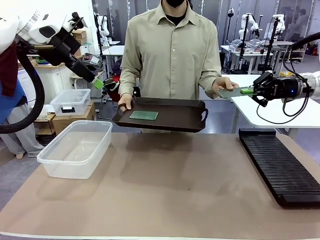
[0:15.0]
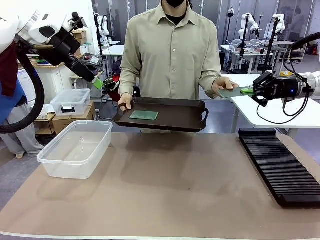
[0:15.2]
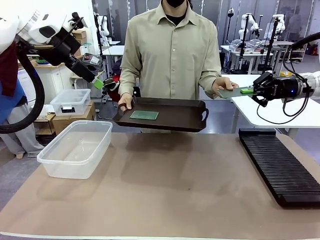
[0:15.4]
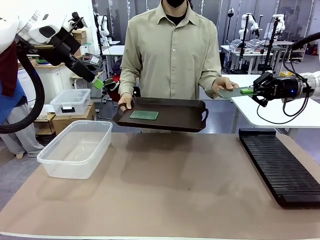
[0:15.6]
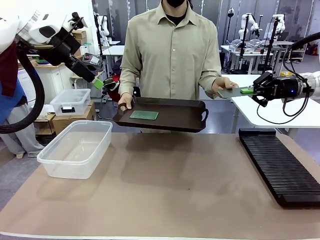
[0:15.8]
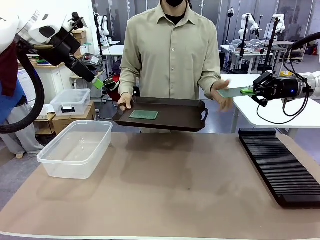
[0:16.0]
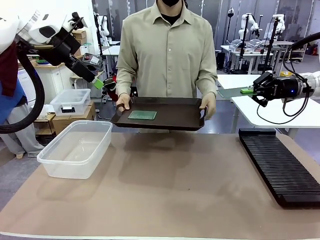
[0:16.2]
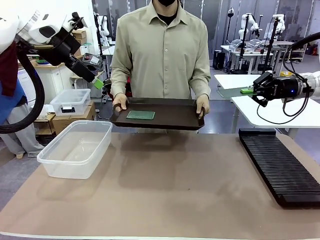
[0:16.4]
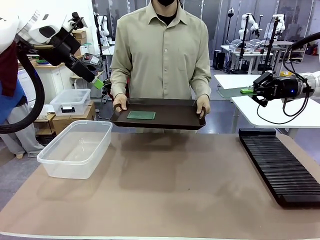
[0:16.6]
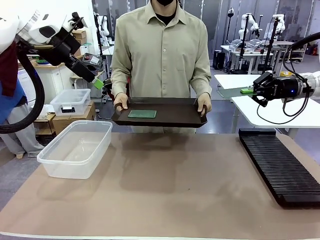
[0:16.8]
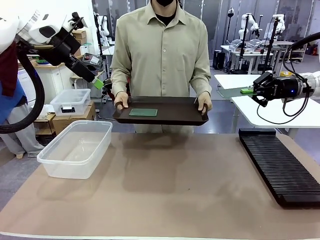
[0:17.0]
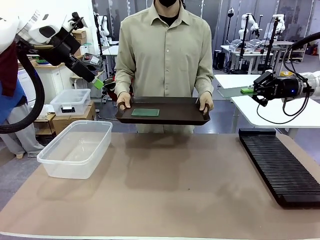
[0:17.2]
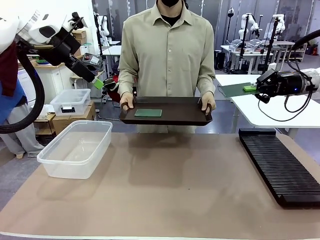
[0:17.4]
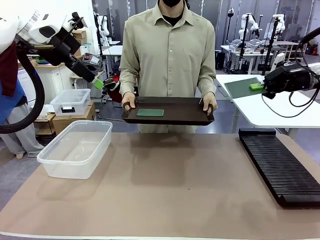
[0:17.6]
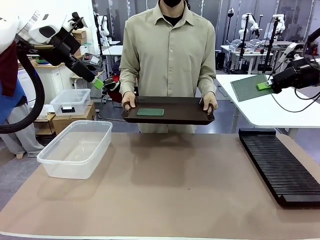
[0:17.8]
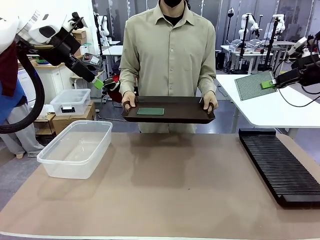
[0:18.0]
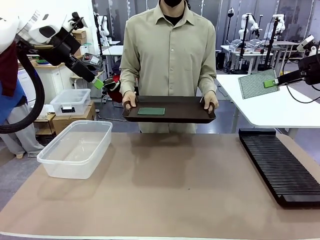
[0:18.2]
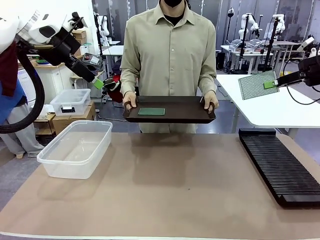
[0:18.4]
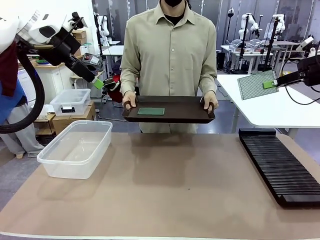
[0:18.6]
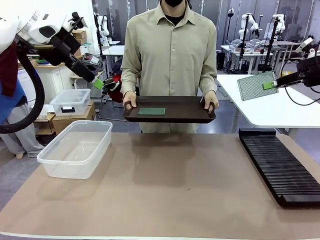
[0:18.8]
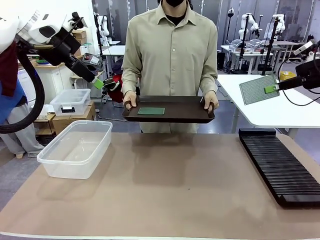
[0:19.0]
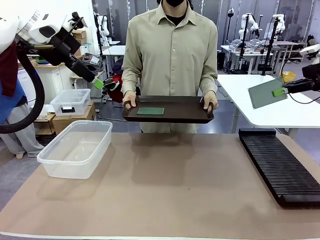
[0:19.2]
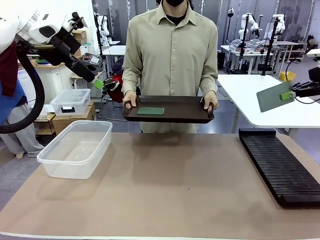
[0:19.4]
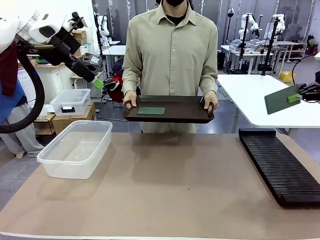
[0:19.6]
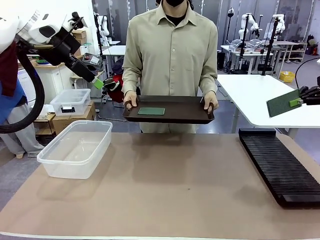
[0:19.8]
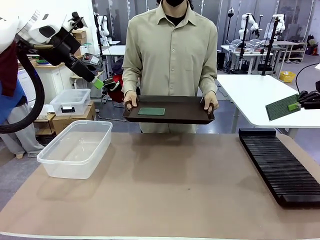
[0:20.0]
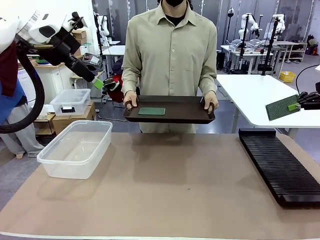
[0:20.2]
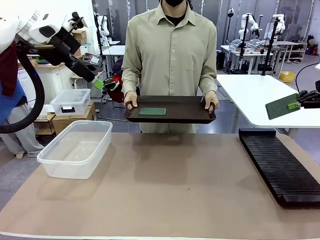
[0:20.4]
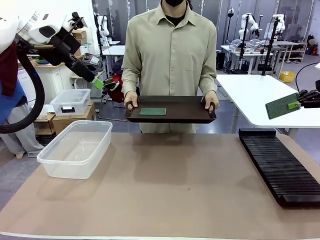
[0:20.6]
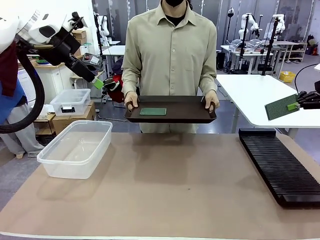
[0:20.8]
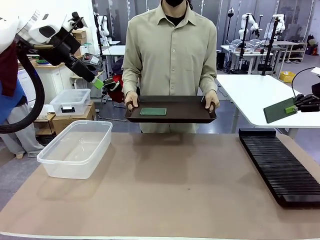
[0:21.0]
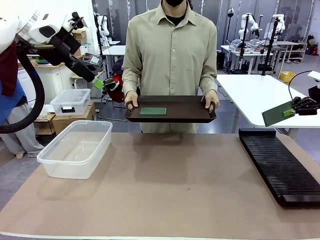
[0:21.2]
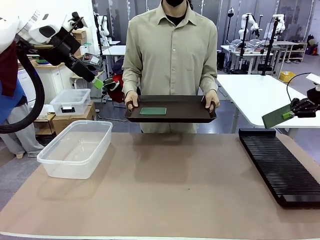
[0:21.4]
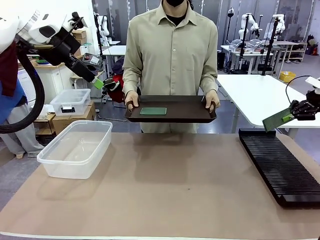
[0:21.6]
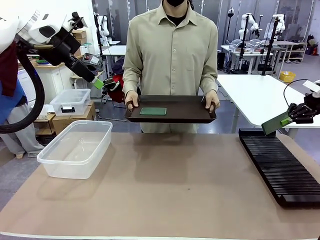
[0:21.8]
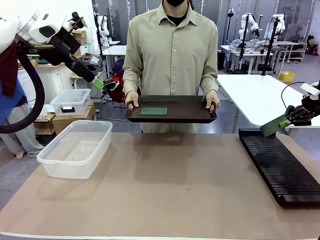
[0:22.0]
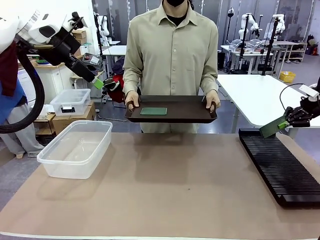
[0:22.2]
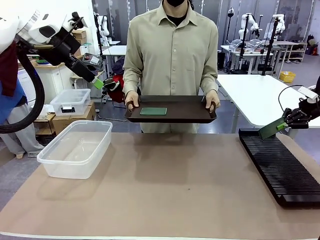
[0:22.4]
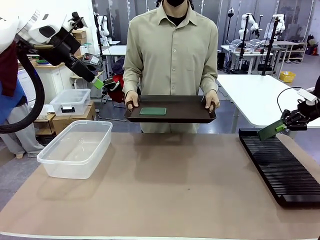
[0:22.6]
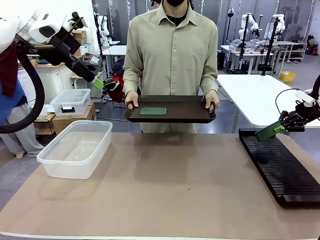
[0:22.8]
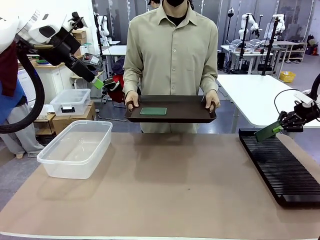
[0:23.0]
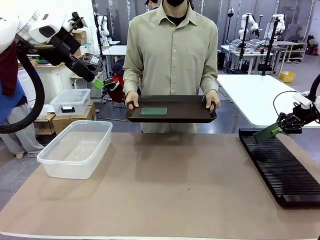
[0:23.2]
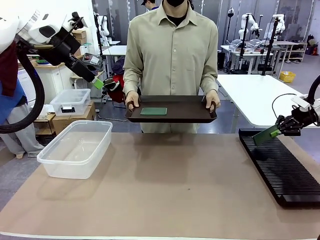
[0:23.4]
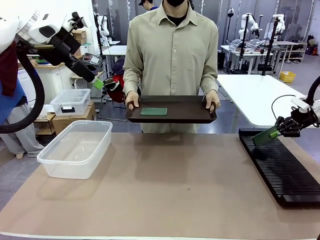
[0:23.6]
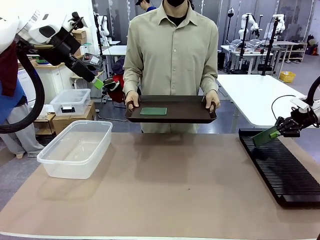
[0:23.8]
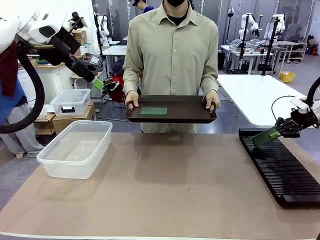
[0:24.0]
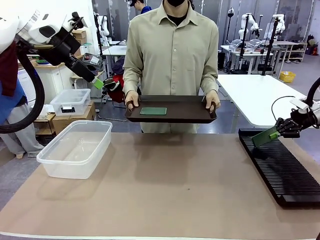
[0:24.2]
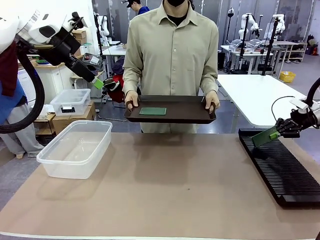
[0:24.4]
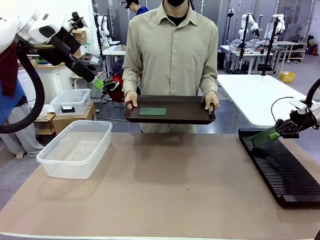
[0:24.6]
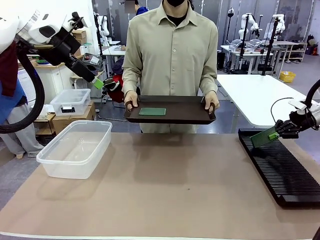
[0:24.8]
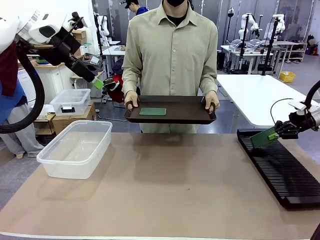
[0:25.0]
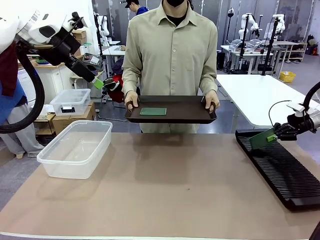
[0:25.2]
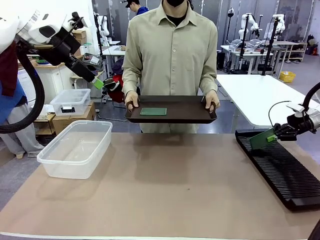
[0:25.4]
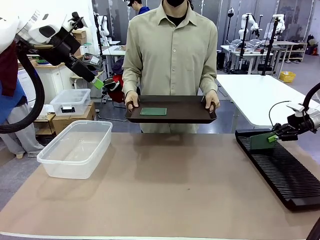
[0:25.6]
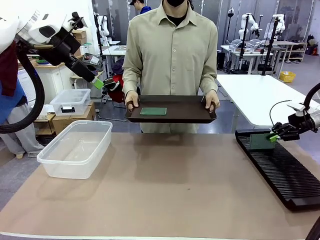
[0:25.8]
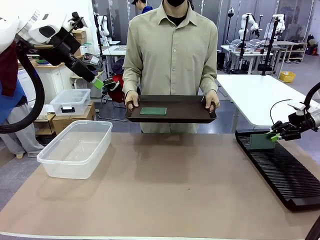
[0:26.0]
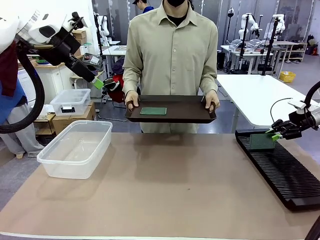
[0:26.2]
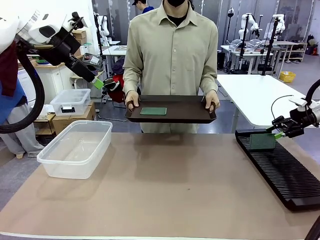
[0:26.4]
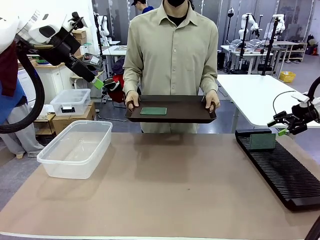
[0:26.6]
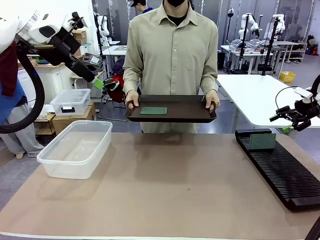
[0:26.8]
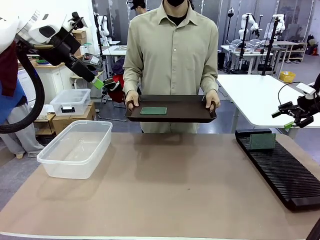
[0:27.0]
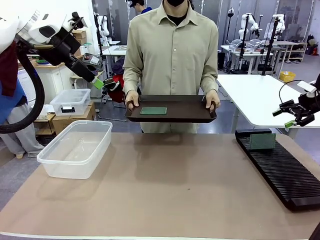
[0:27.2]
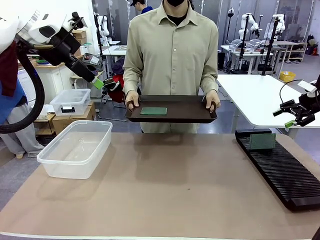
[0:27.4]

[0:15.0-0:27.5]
Task: Sort PCBs into racks and boxes based on the side picked up.
Robot: If the short side of the Blank PCB is picked up, insert it into the PCB Rack ; if the long side is picked up, place it in the Organizing box.
Person: Pick one PCB from the tray and present it to the robot.

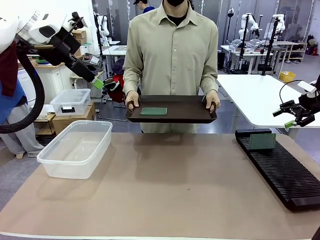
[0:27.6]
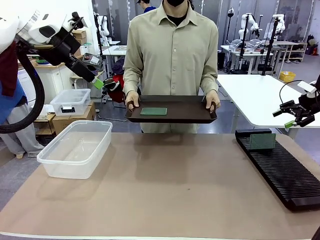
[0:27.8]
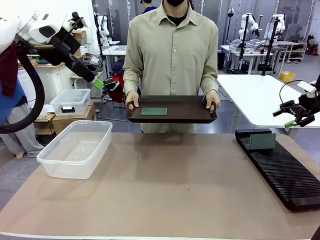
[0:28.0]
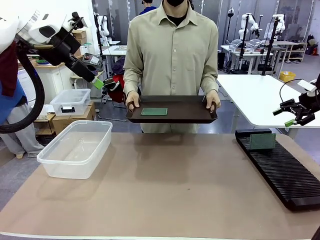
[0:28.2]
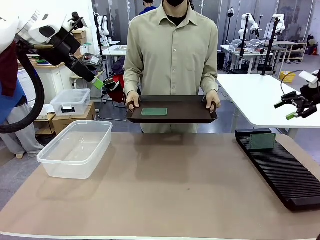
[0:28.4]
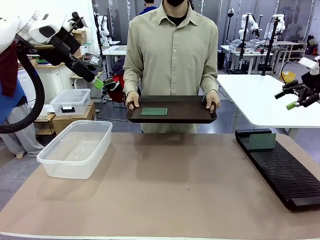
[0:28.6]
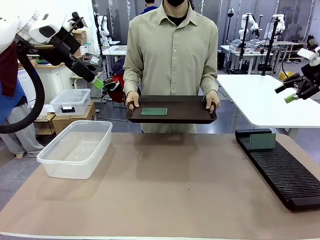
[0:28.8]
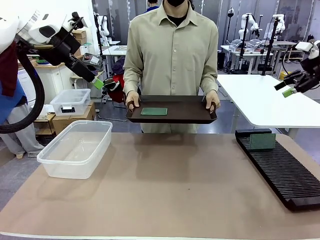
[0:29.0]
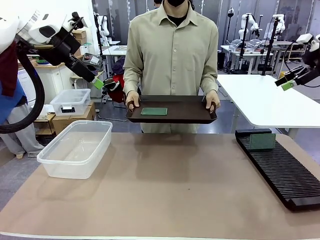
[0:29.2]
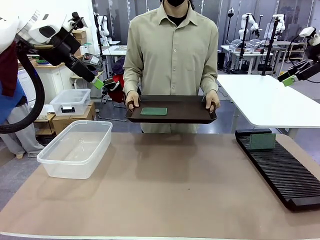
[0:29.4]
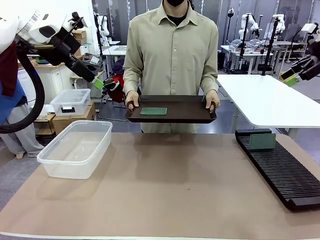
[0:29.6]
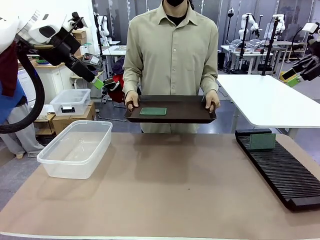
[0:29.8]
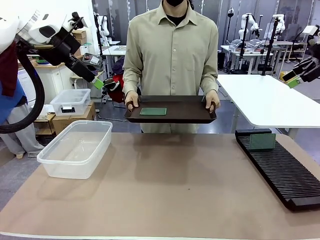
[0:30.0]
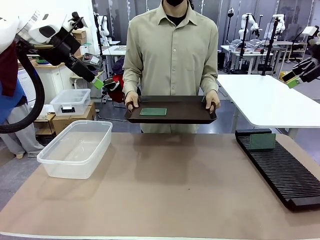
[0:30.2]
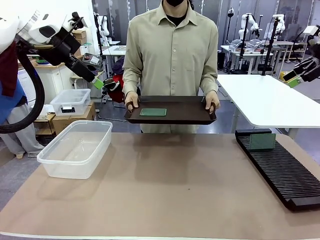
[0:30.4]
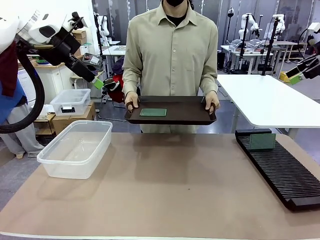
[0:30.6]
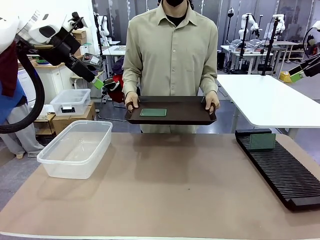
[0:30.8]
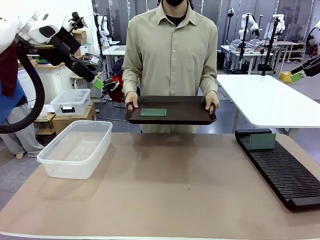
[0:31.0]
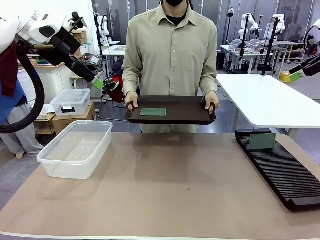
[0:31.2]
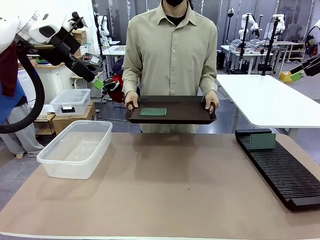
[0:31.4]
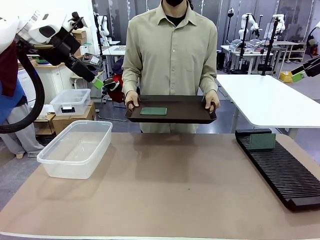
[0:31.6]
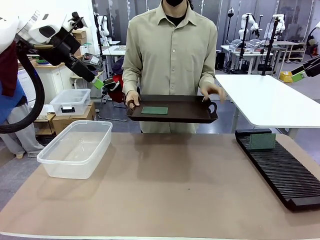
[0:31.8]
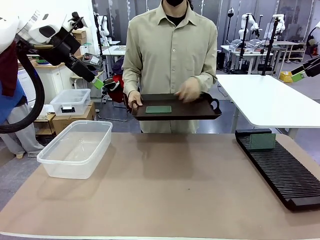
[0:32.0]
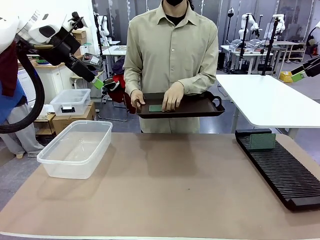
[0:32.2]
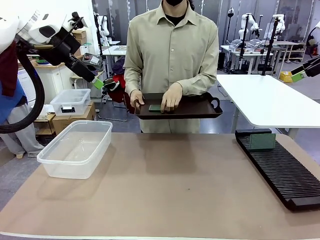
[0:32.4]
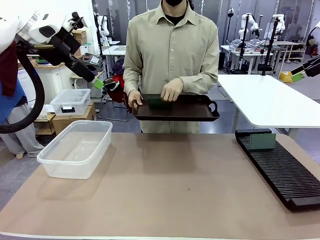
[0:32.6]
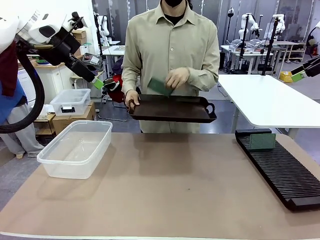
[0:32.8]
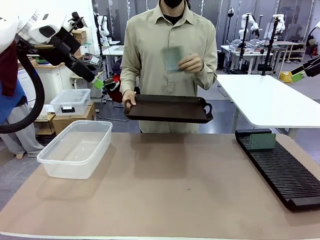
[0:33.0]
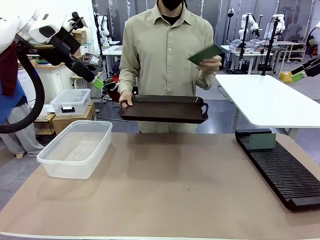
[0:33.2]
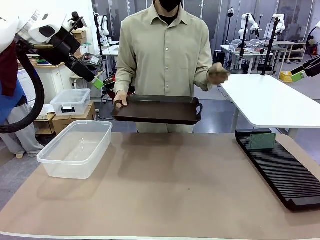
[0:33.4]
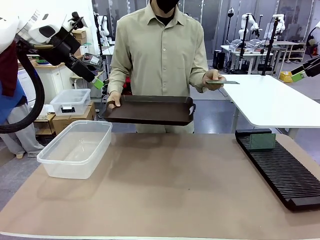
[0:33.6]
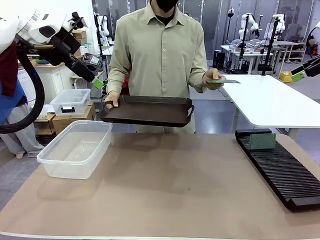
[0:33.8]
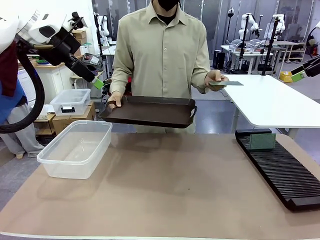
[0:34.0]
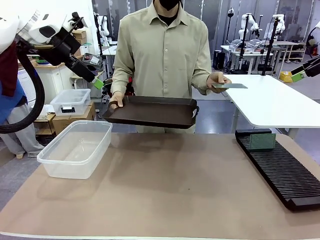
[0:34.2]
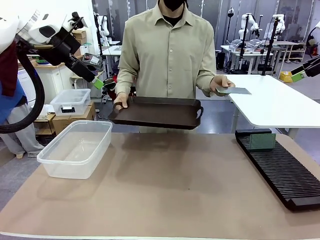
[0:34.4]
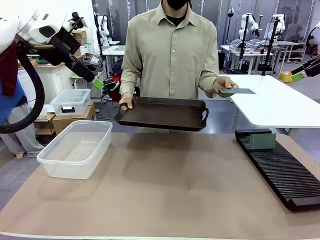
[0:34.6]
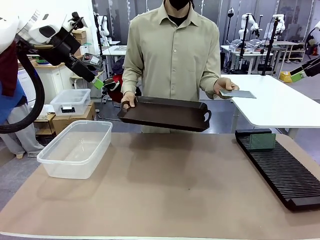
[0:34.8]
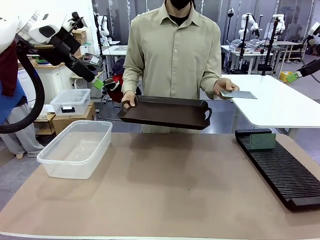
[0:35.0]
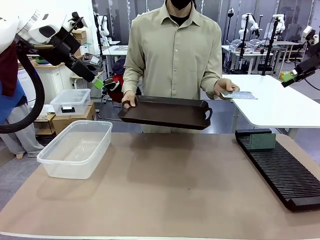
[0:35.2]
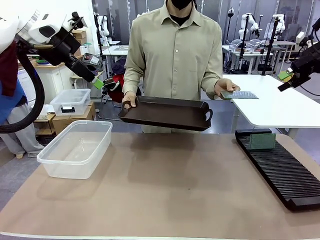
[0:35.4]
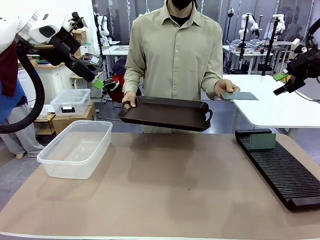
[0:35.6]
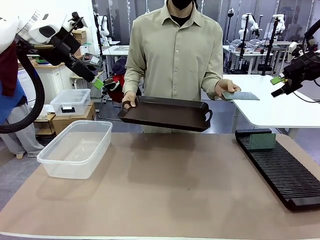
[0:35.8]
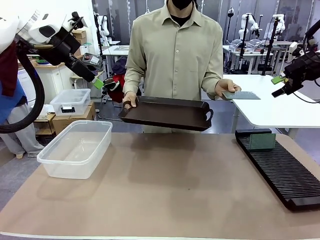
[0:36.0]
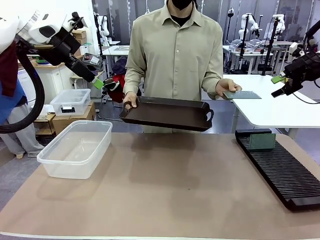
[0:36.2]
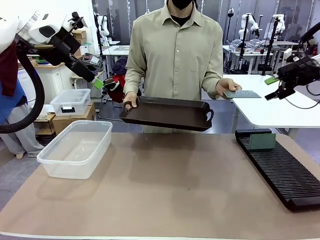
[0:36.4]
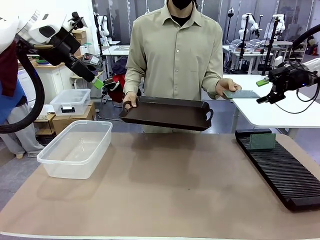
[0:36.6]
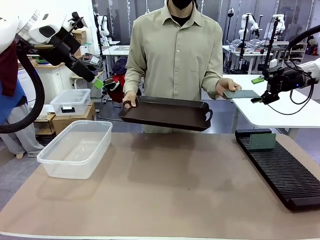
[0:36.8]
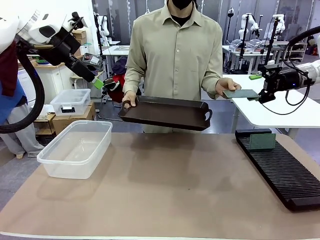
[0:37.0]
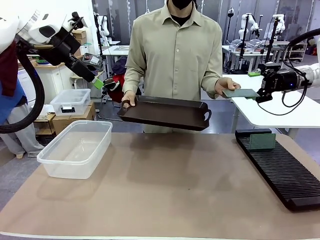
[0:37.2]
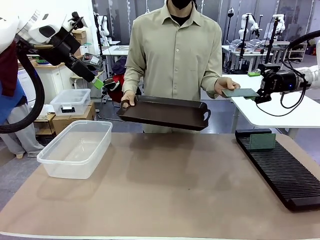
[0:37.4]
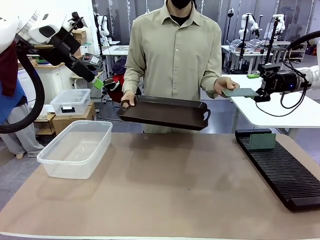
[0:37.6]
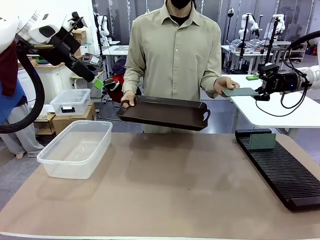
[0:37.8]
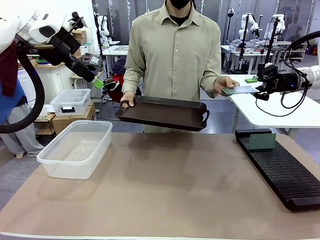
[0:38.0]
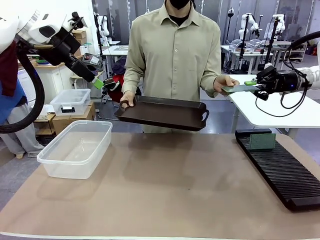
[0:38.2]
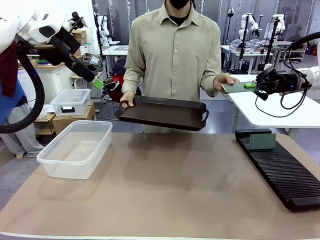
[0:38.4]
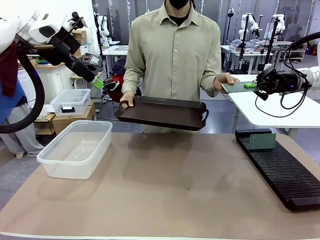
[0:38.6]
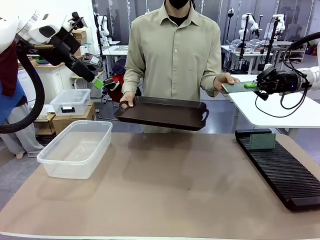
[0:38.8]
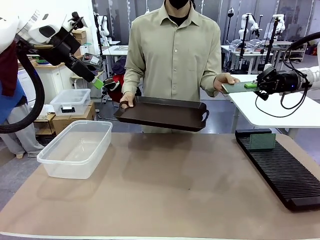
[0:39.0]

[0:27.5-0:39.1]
Robot: Pick up the Blank PCB handed by the Human.
